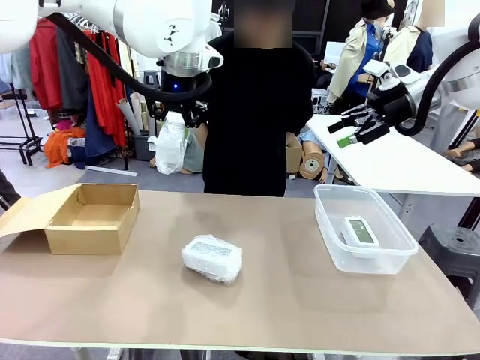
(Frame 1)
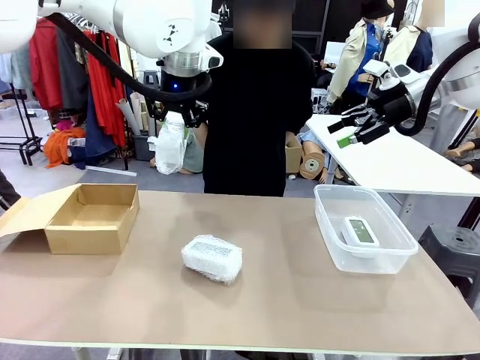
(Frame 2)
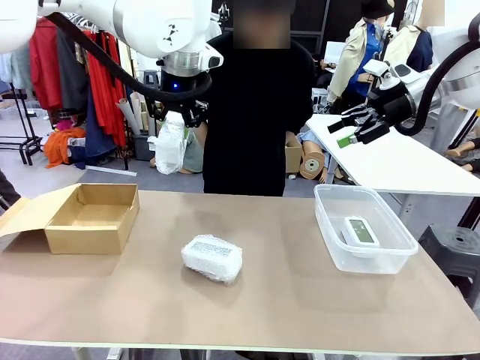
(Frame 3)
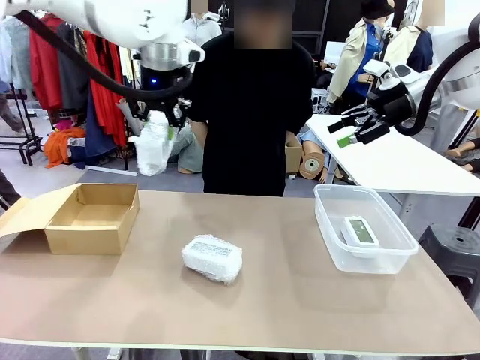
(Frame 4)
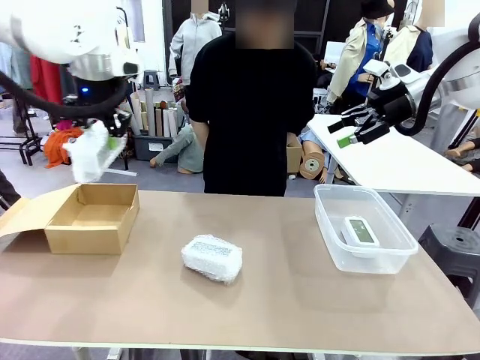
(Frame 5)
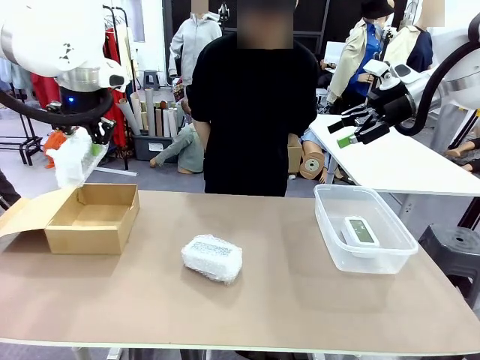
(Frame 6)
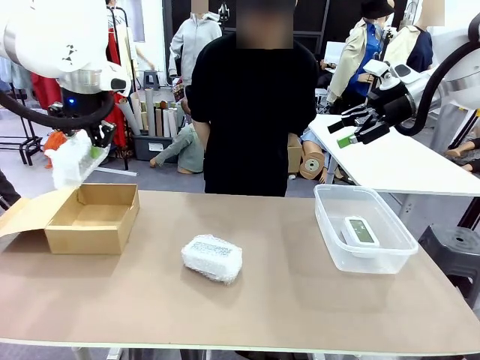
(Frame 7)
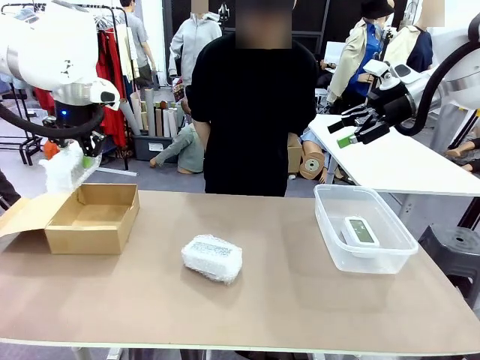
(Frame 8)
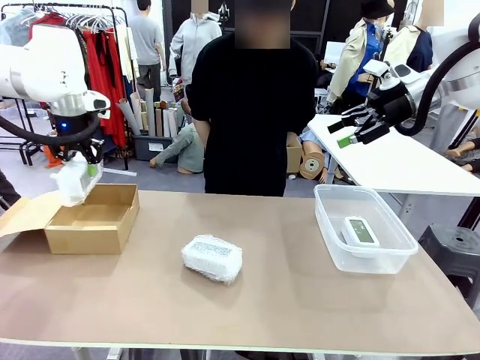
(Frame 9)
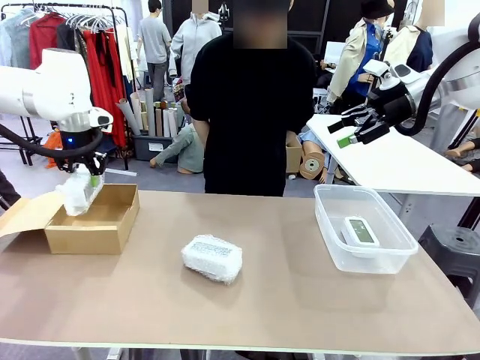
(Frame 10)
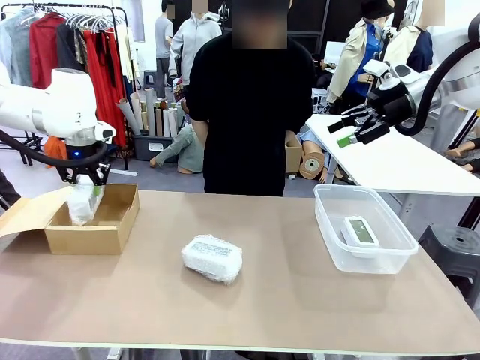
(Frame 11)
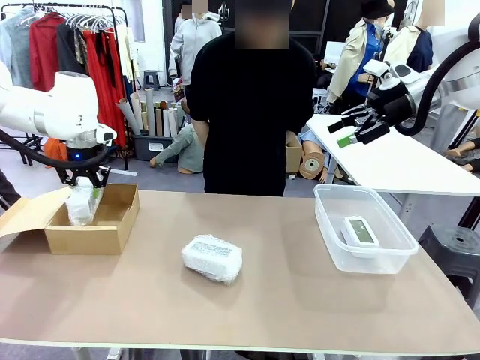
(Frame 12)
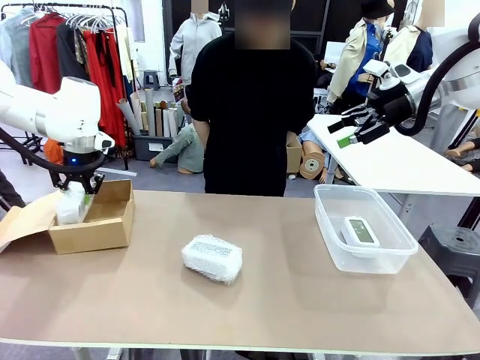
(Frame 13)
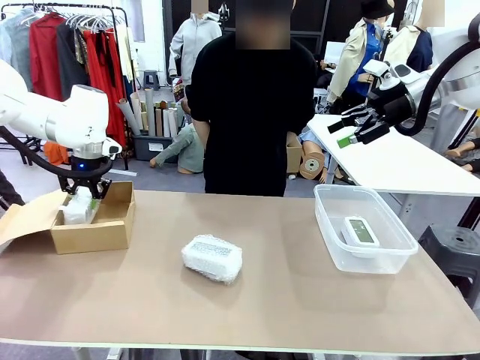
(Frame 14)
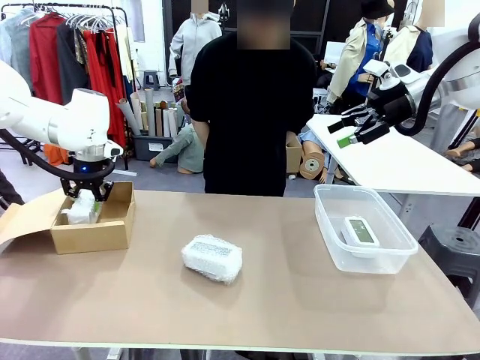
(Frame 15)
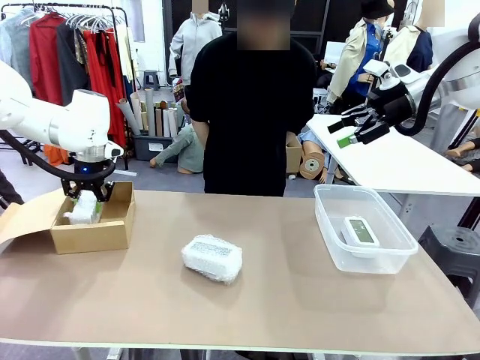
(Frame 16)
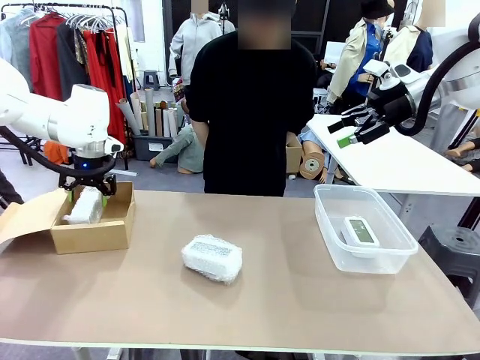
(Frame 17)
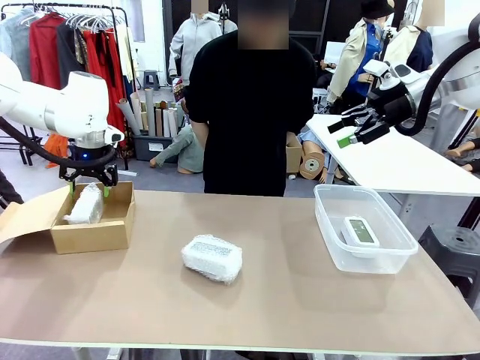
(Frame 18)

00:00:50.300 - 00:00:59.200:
Task: Separate and place wrapped and unwrapped clocks.
Robot: If the picked Digital clock is wrapped, place it in the Package Box ; if not, place it in the Organizing box.

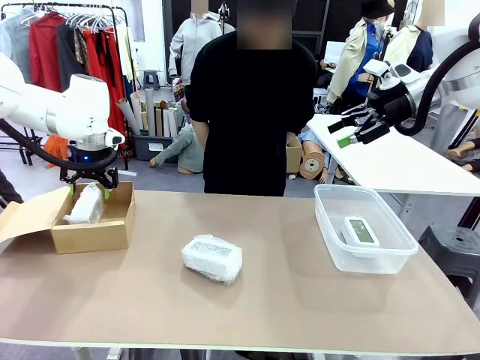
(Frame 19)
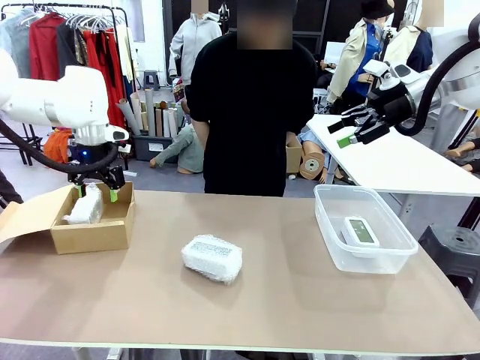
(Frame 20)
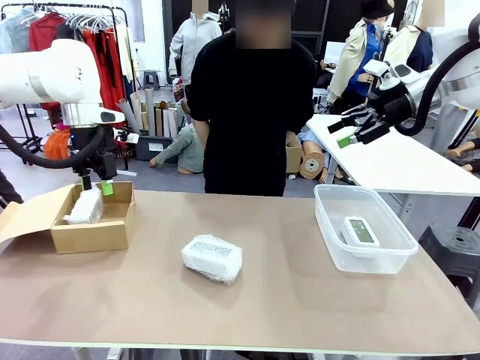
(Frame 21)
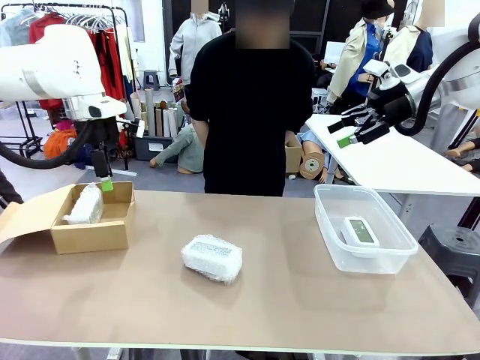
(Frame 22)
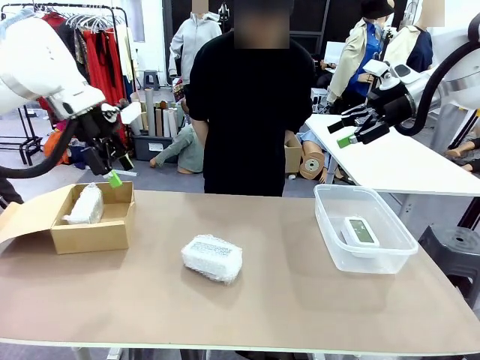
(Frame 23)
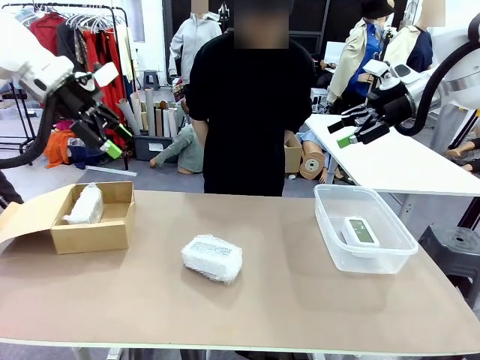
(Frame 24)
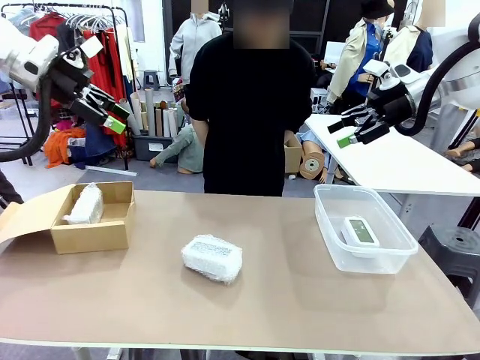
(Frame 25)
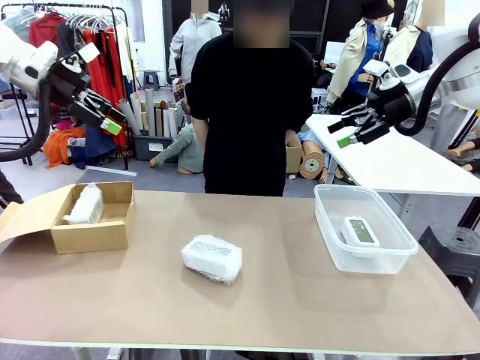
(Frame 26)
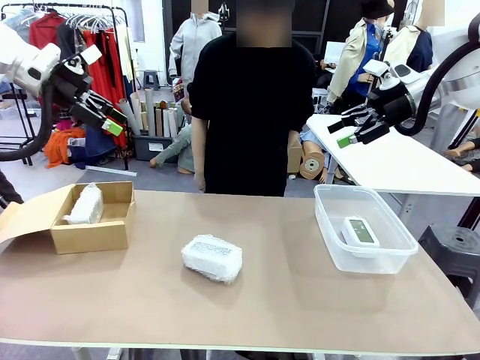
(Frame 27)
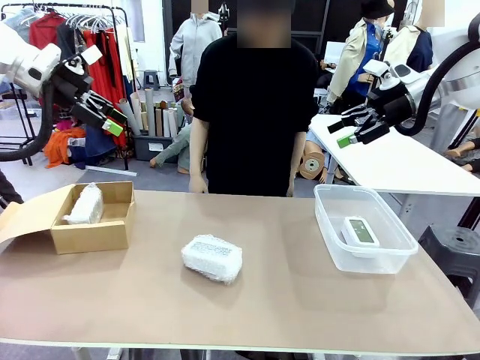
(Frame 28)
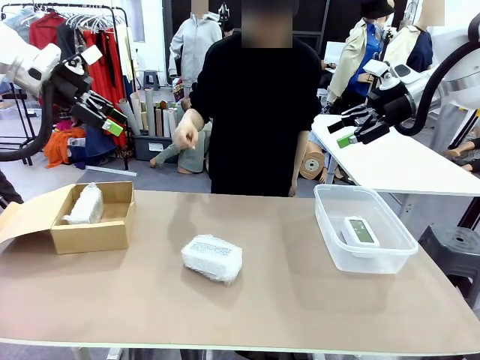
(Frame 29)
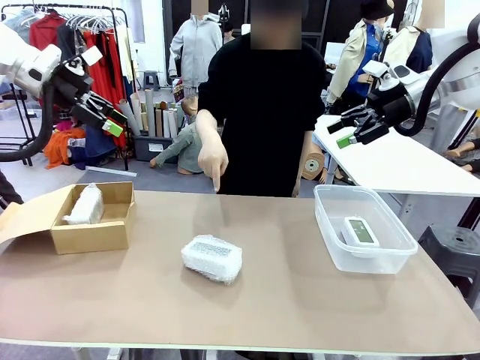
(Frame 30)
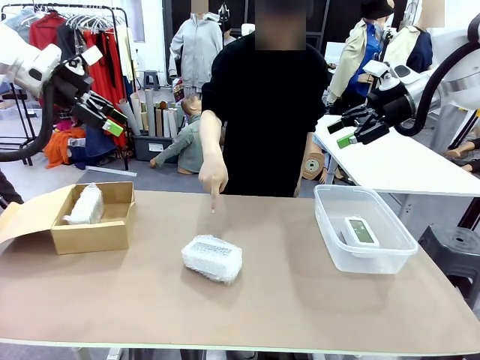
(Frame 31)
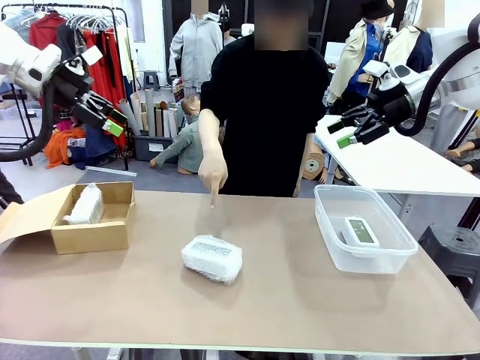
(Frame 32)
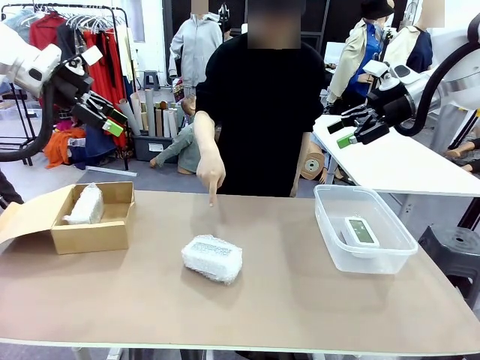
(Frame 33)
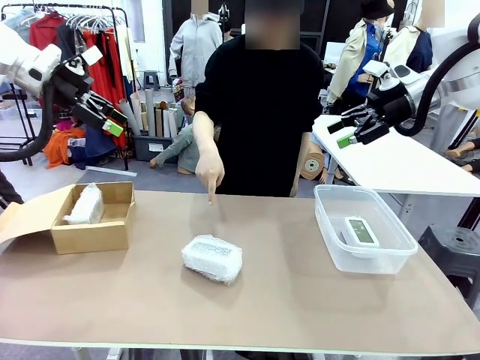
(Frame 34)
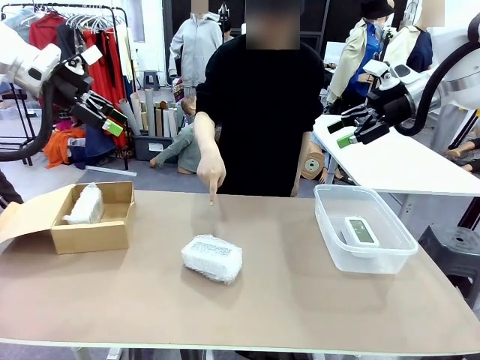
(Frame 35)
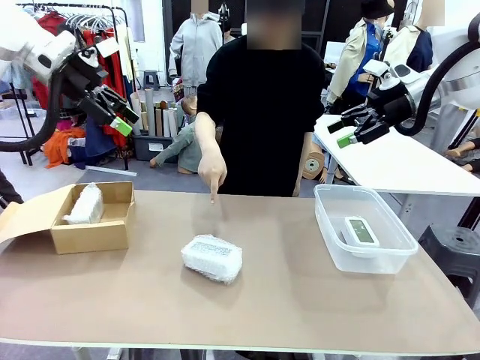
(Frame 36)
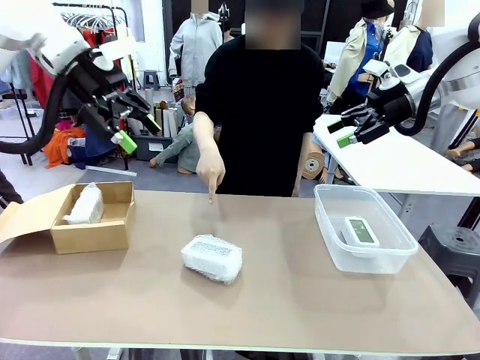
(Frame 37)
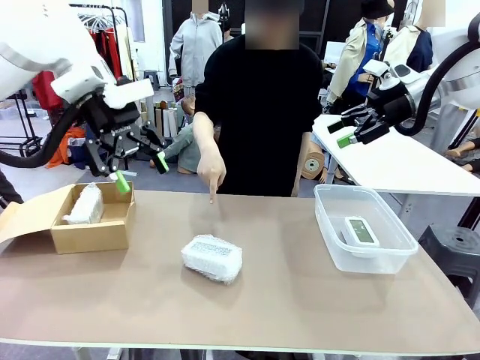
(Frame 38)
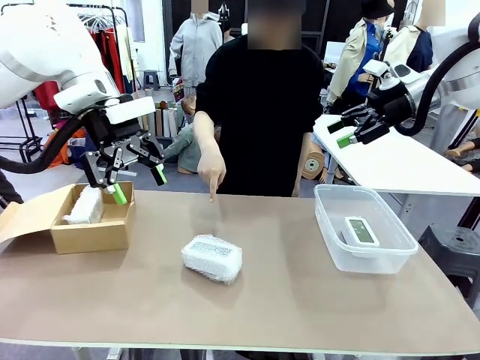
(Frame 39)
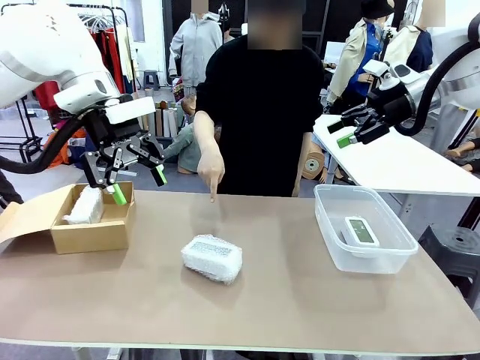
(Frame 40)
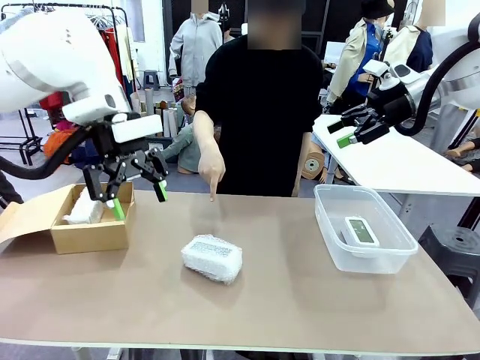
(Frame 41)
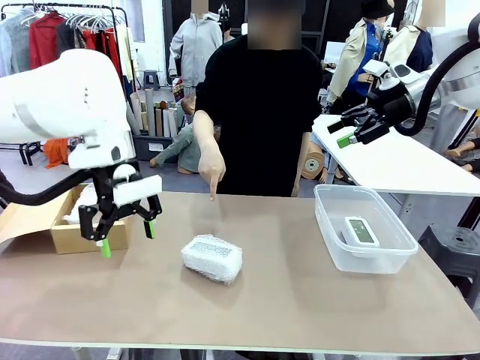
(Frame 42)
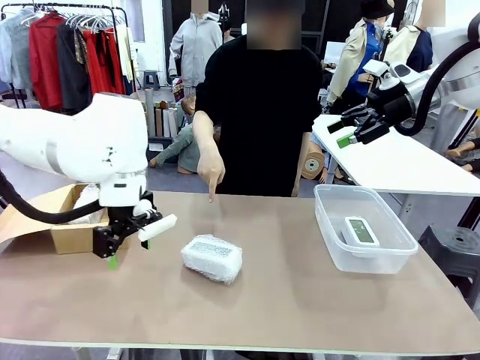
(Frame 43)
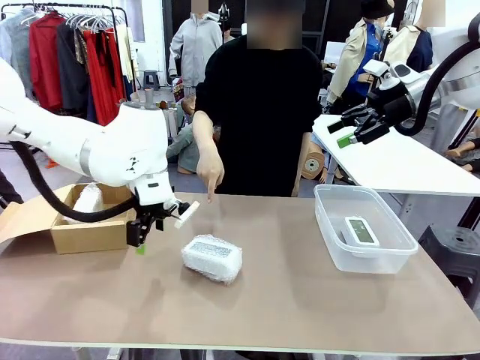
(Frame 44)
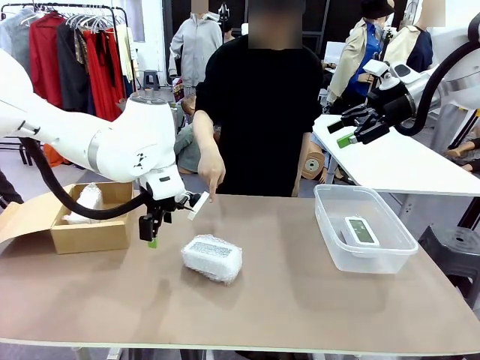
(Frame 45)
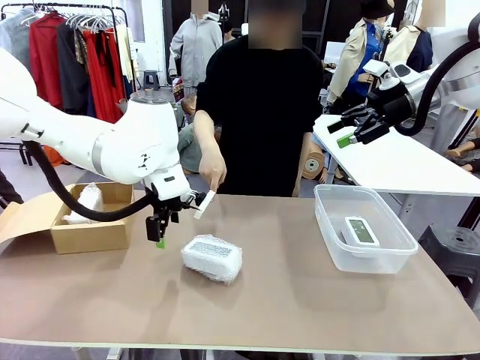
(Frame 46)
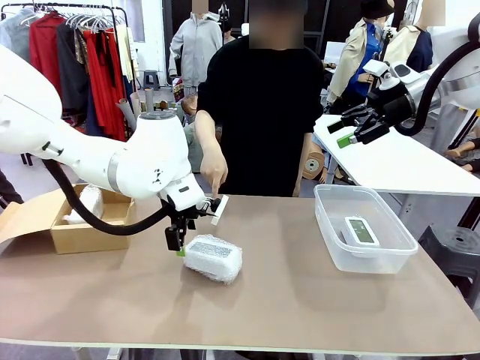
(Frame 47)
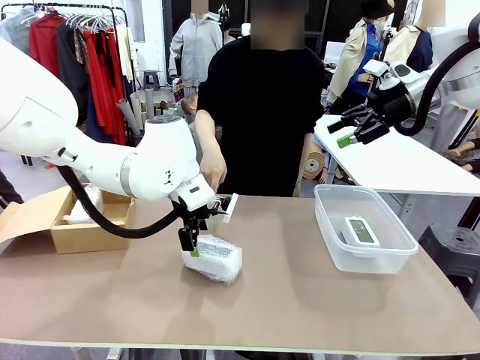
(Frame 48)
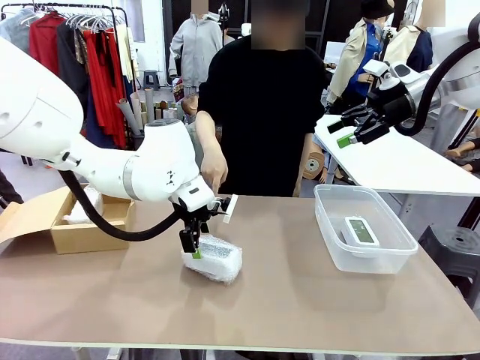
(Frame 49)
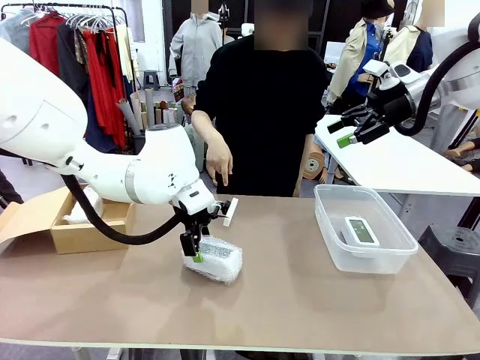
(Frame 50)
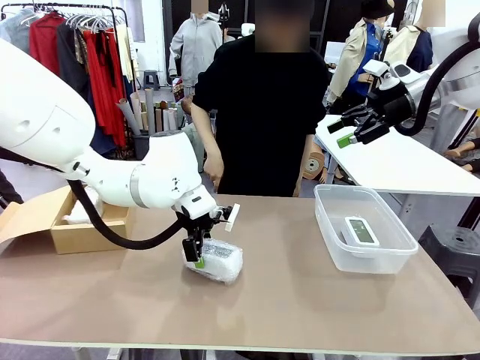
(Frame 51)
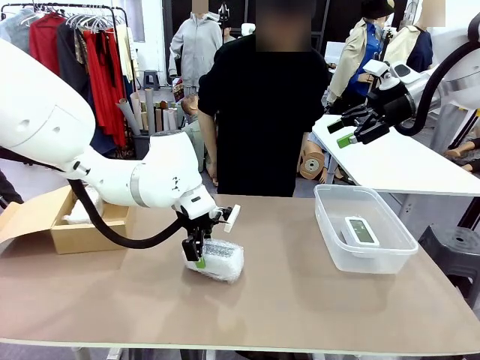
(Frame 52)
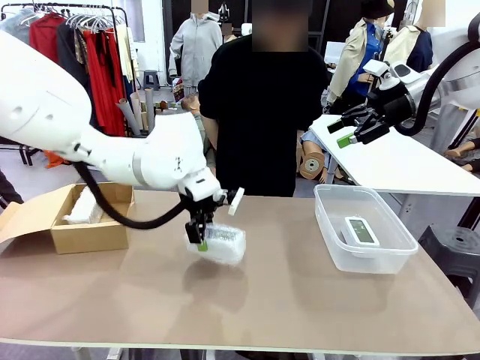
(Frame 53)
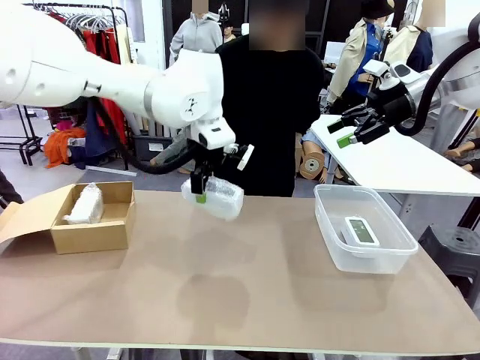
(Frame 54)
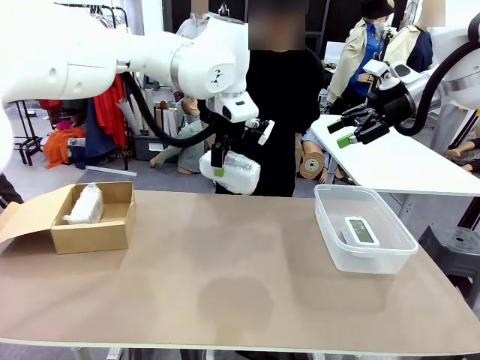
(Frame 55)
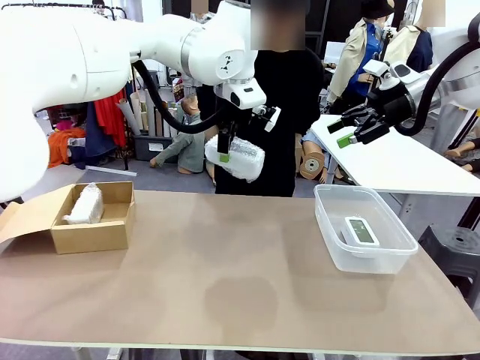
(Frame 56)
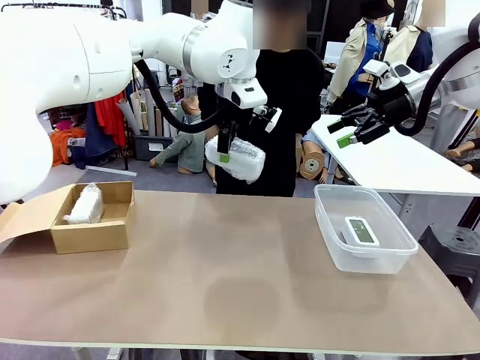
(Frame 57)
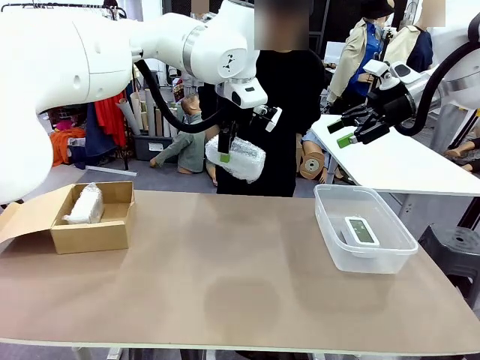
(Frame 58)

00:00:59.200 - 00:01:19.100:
Robot: Pick up the Digital clock indicated by the person.
